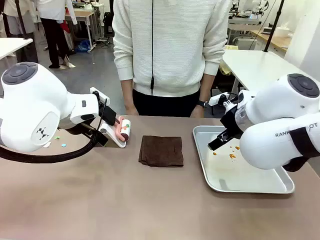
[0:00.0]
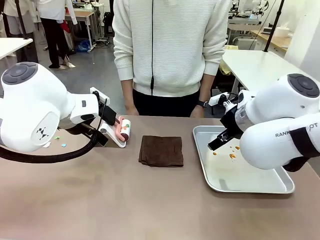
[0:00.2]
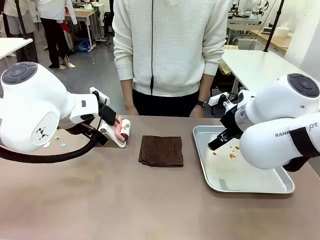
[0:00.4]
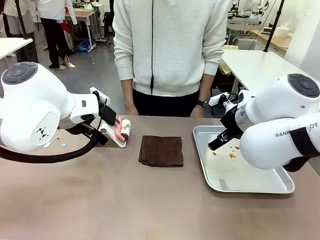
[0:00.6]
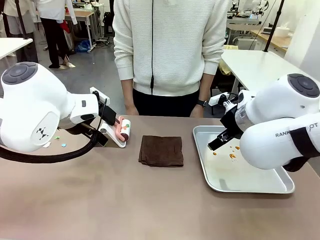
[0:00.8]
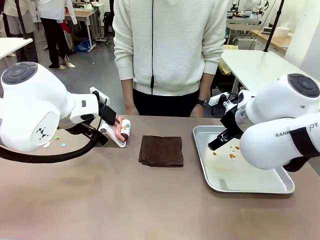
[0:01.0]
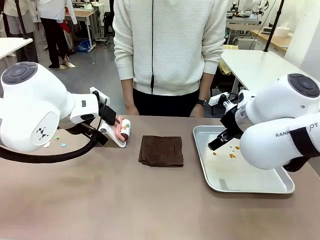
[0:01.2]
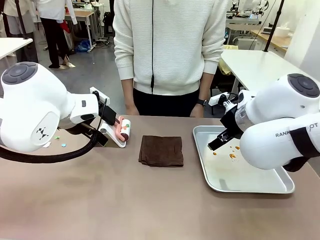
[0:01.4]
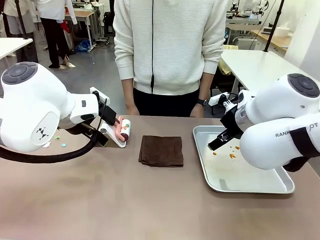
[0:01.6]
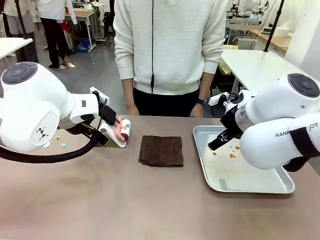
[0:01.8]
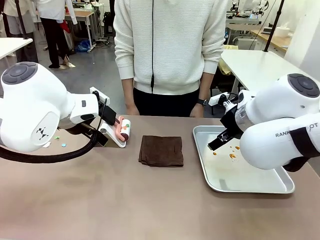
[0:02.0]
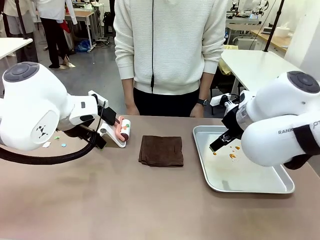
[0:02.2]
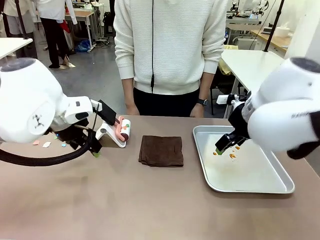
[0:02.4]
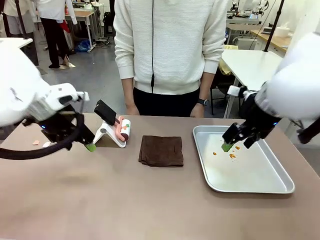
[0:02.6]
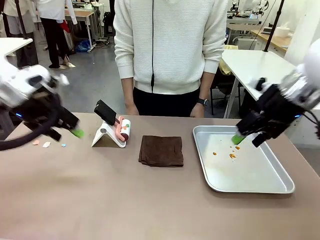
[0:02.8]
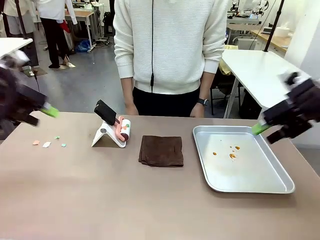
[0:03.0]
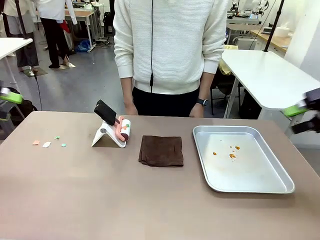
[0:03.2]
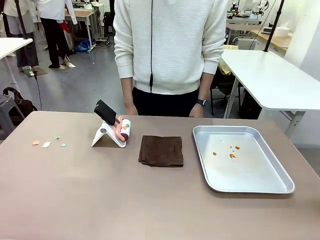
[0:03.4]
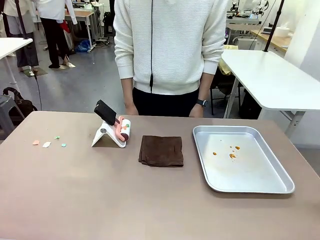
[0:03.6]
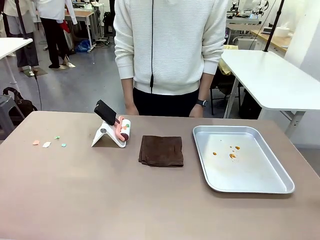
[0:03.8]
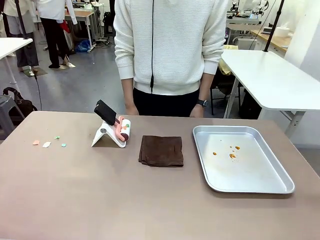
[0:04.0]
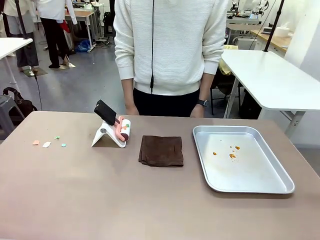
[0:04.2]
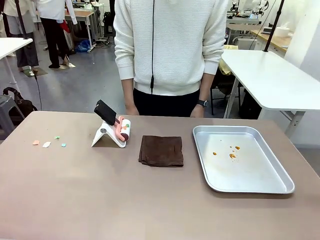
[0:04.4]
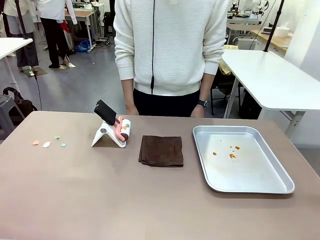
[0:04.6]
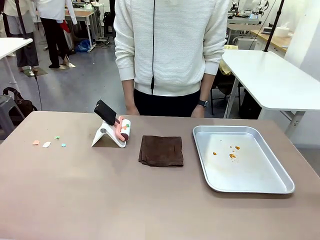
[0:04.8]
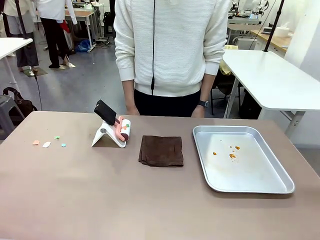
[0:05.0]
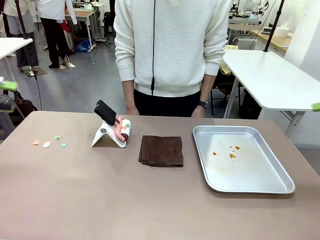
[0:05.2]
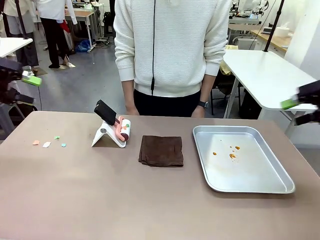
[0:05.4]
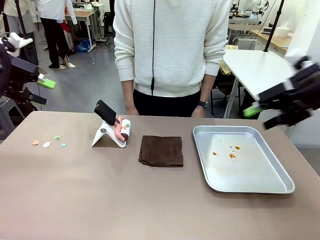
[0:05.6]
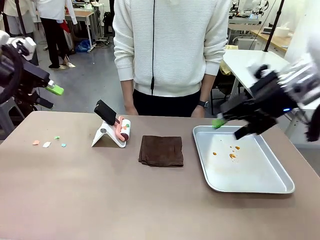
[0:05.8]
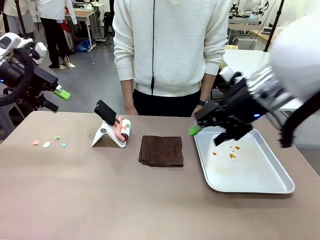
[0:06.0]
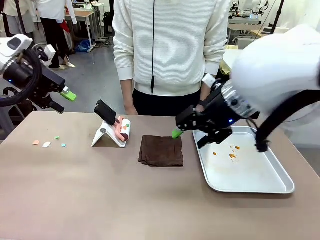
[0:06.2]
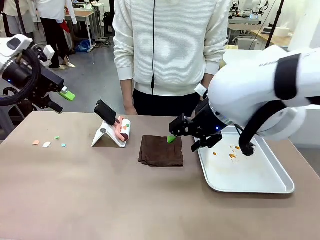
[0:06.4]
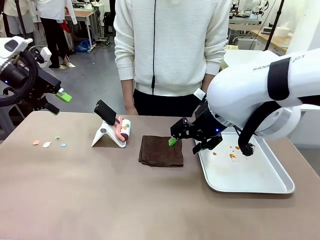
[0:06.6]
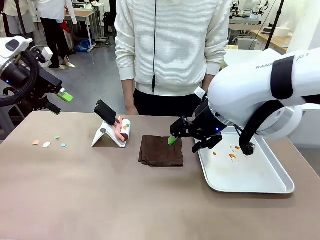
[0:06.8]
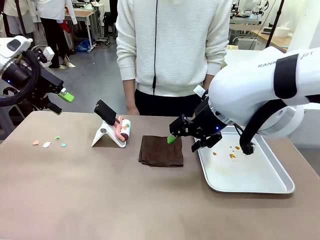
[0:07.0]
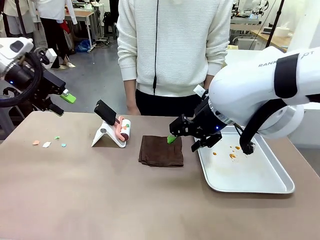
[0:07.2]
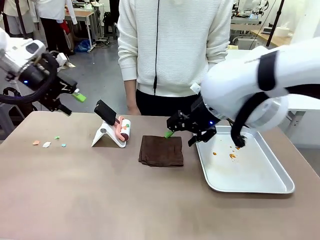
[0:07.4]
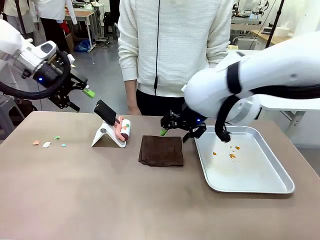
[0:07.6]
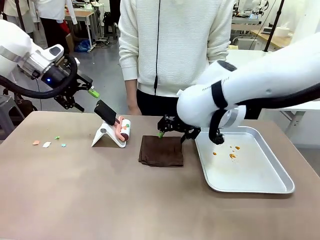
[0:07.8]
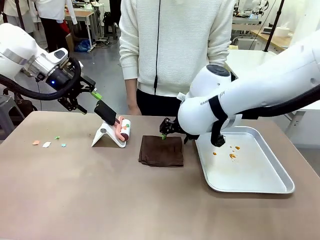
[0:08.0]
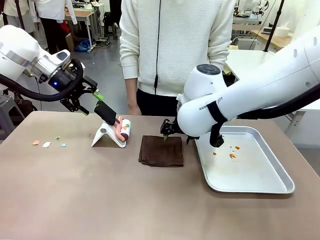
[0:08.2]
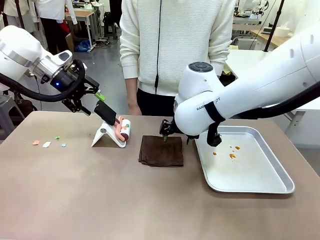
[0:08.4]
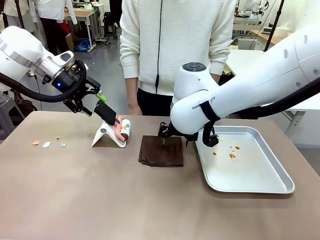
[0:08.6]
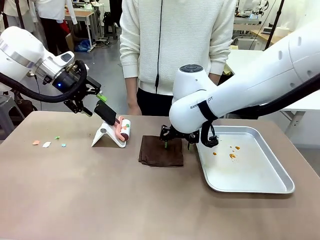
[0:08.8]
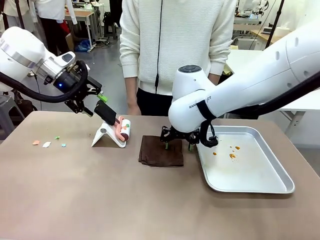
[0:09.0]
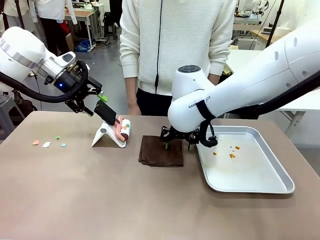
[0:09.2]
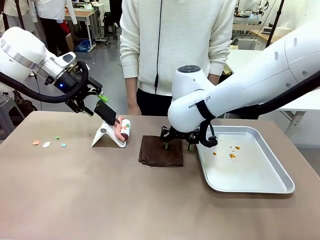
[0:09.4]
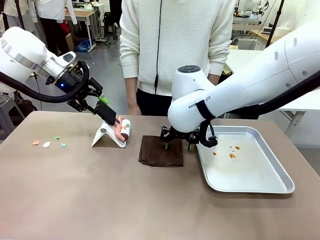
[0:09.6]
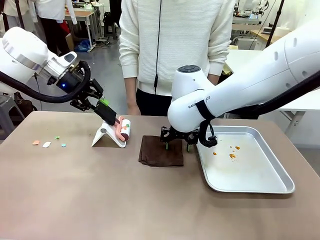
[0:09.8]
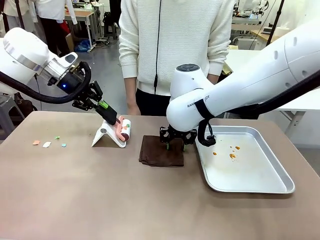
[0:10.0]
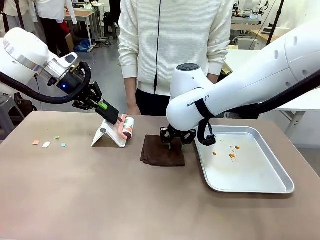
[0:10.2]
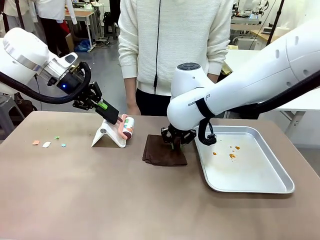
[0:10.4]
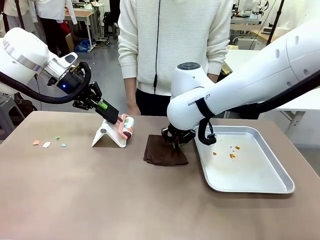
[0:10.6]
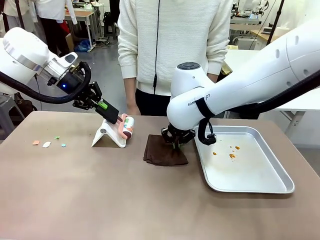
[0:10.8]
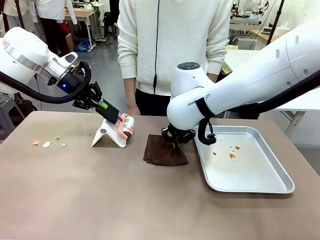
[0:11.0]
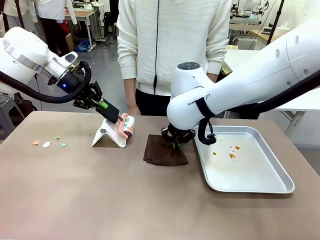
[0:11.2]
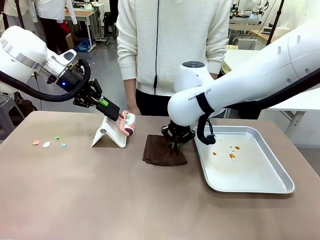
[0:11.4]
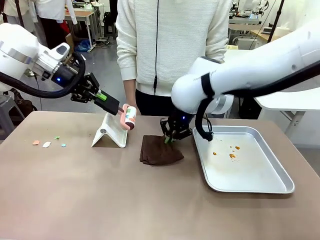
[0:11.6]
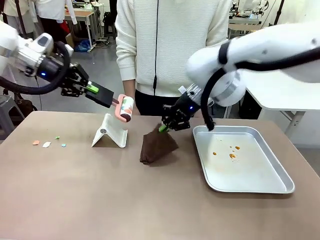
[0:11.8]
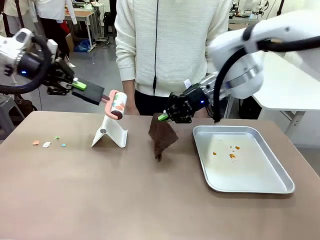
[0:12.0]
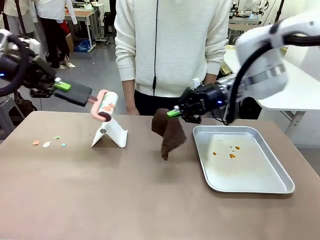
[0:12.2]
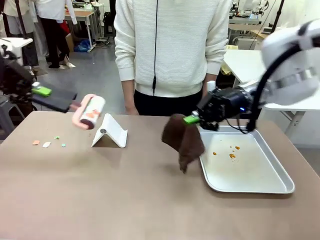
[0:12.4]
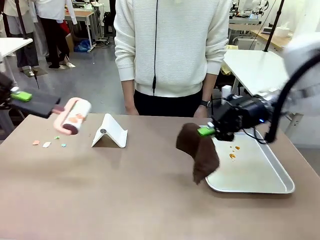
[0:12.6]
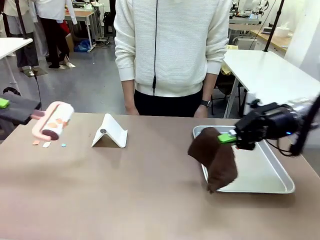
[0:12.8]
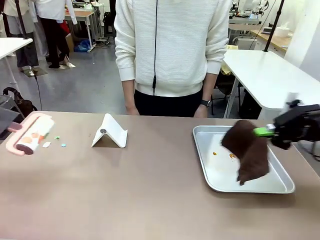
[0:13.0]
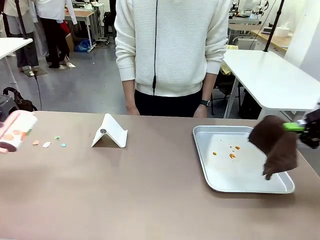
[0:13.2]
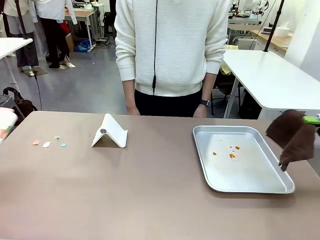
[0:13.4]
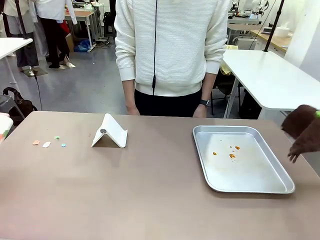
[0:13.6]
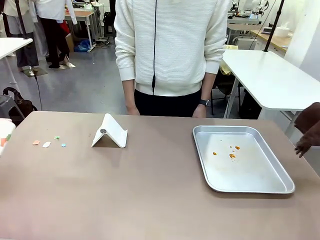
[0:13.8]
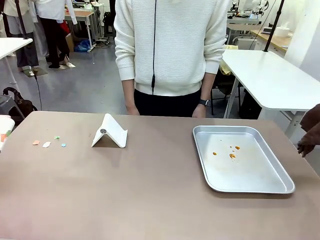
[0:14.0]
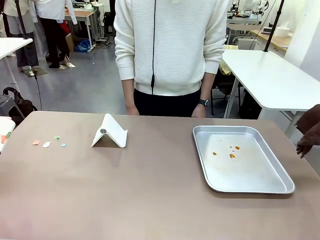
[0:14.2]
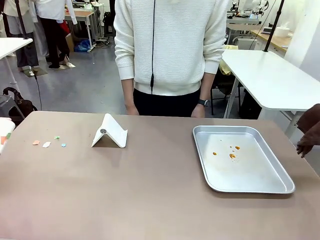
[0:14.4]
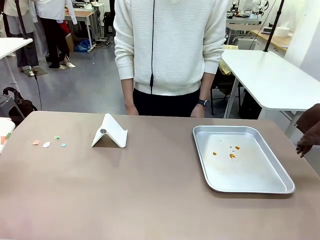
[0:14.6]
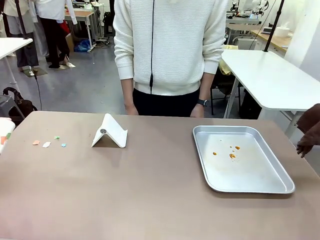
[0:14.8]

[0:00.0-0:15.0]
Task: Clean the surface of the table.
Robot: Hold the Lint Roller with your left hand and the towel with your right hand.

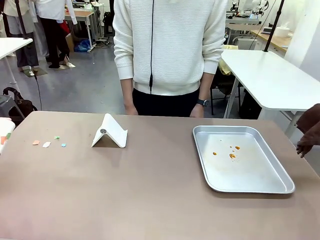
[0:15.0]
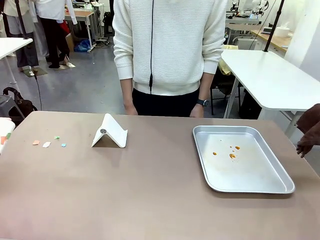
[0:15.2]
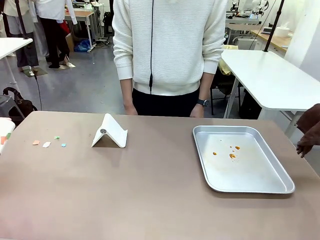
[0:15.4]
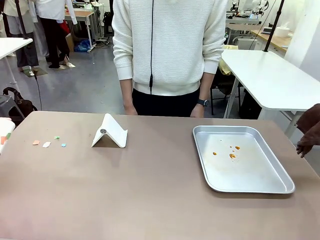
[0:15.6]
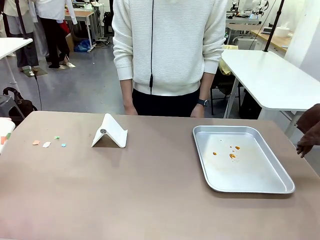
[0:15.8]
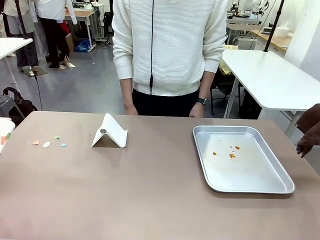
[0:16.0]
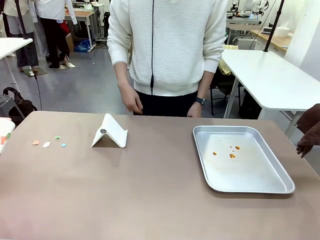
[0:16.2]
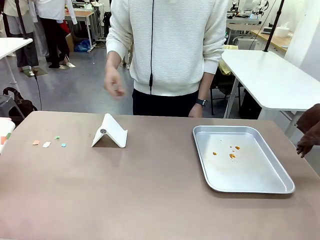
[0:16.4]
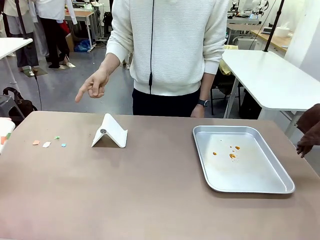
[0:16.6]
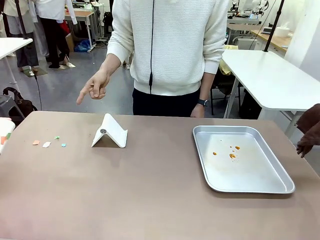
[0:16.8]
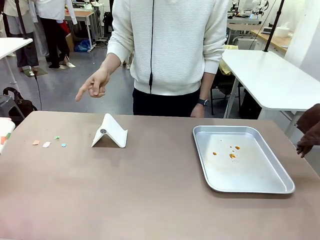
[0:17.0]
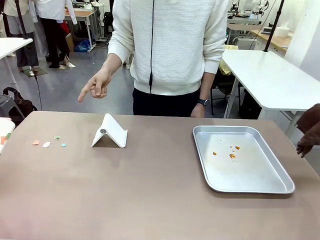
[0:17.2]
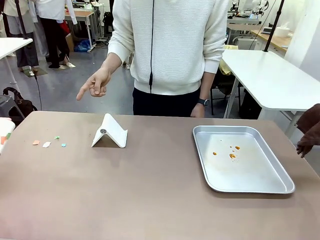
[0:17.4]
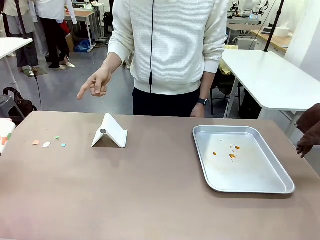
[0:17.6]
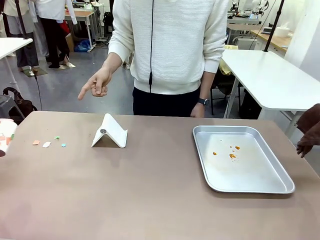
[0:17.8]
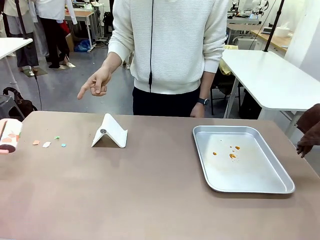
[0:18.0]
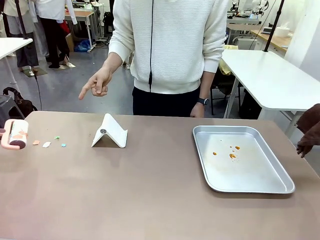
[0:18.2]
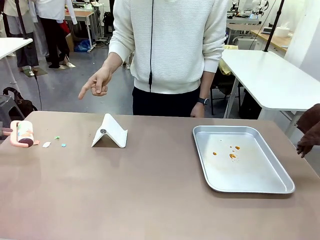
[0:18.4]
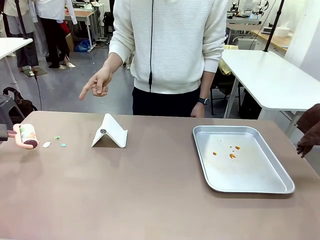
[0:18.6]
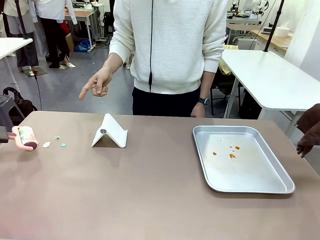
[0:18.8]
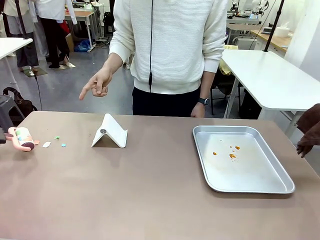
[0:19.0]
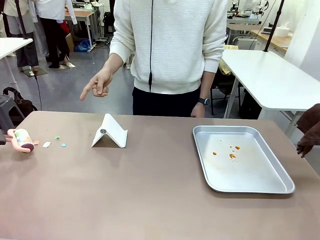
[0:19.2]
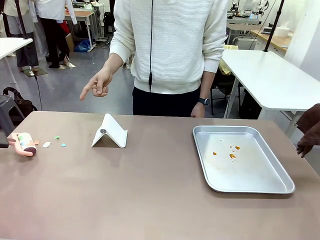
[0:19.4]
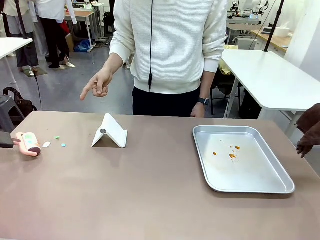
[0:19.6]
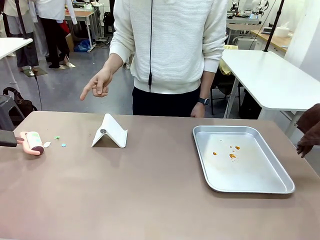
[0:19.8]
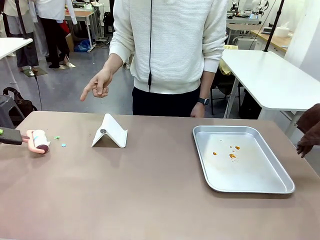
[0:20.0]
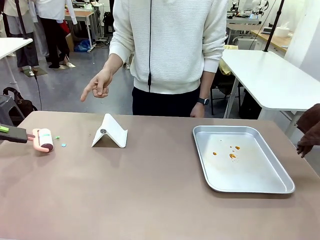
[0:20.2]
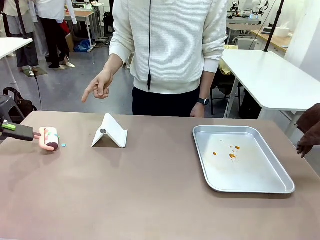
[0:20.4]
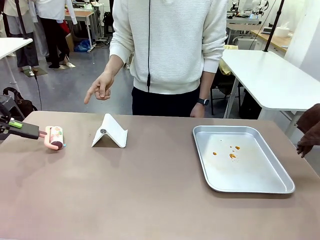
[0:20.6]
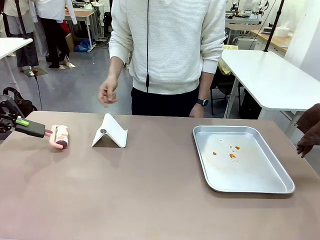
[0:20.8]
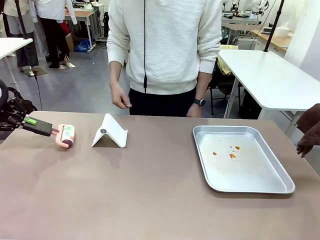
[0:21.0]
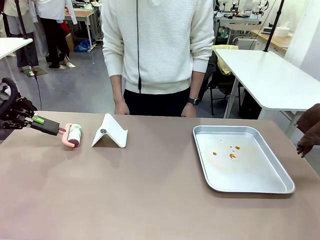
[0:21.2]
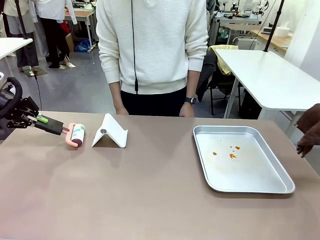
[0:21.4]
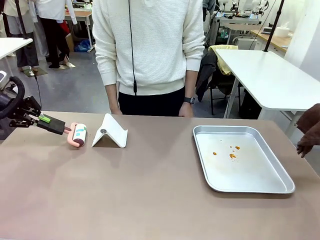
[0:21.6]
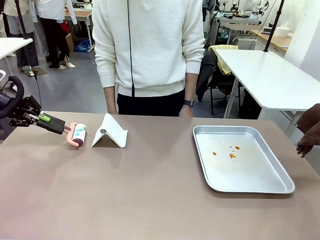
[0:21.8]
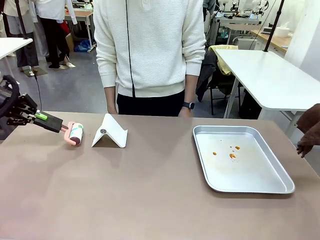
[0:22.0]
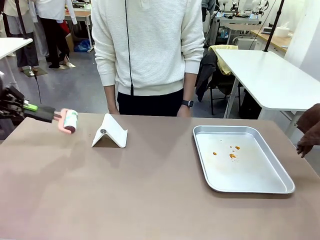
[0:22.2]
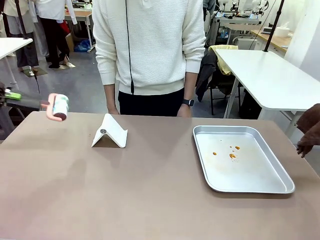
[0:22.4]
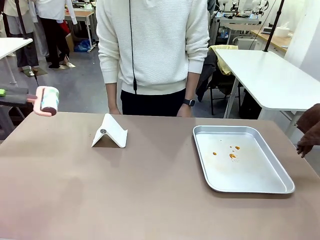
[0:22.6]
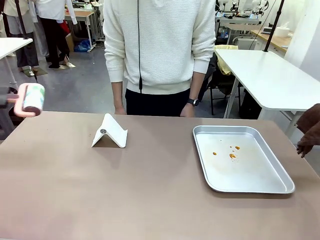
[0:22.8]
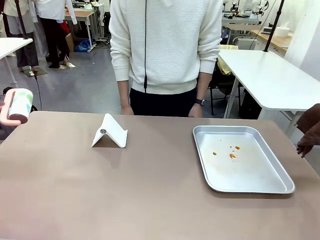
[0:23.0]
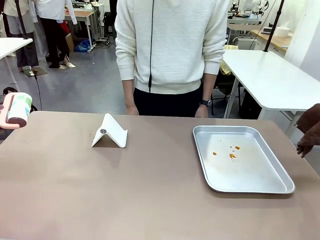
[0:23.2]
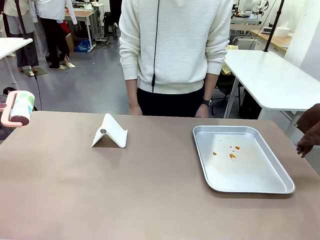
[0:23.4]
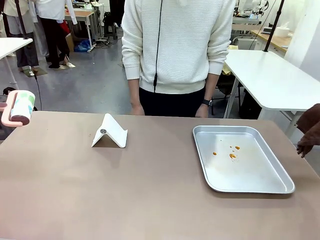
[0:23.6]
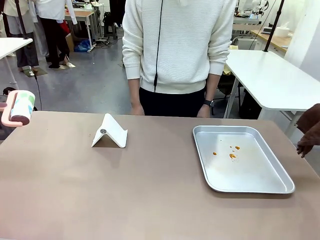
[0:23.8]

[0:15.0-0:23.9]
Robot: If a person points to the right, clean the right side of the table with your right hand, and if they point to the left, clean the left side with your left hand.
